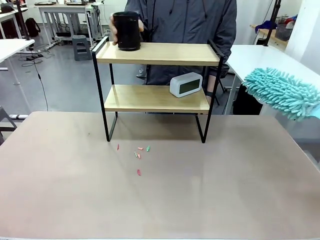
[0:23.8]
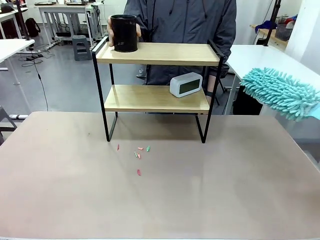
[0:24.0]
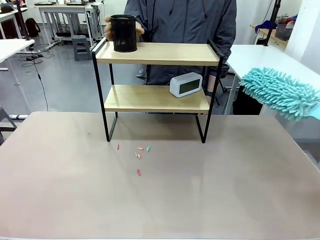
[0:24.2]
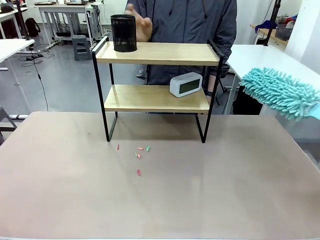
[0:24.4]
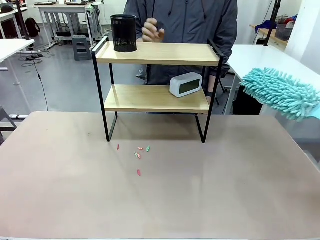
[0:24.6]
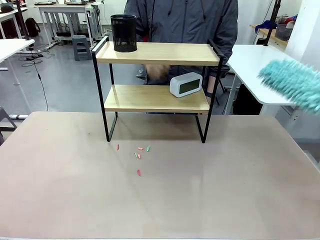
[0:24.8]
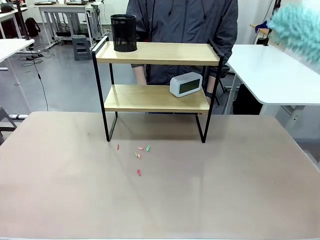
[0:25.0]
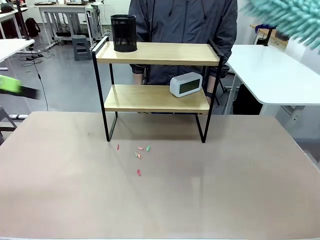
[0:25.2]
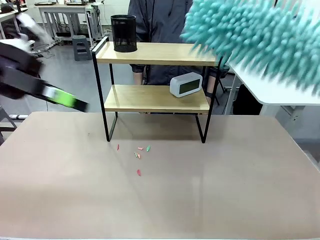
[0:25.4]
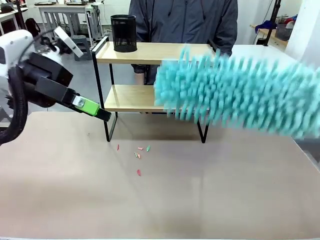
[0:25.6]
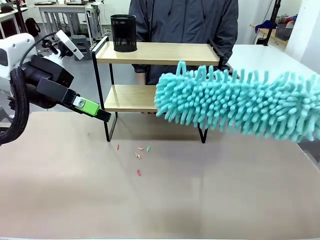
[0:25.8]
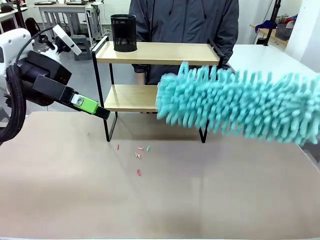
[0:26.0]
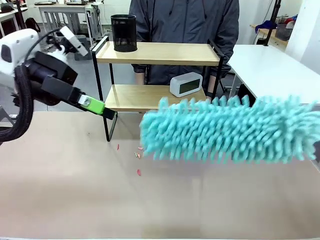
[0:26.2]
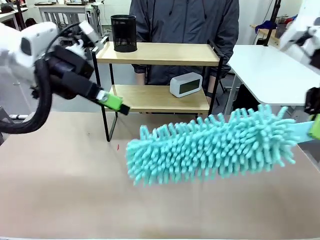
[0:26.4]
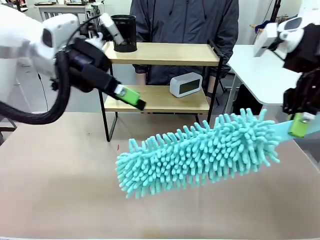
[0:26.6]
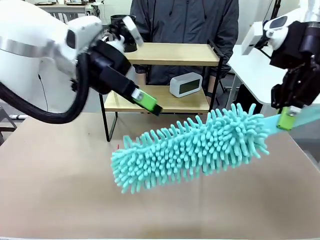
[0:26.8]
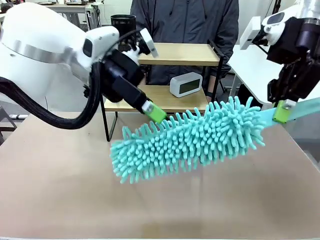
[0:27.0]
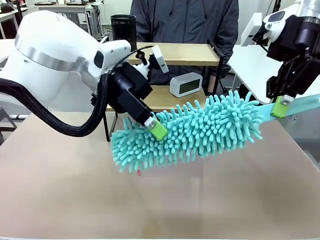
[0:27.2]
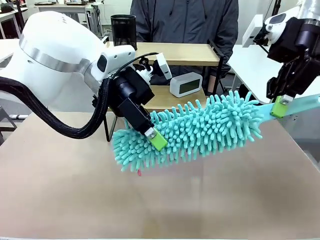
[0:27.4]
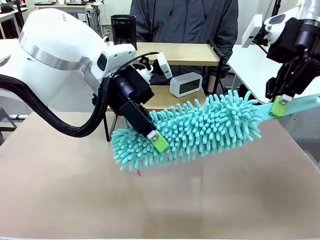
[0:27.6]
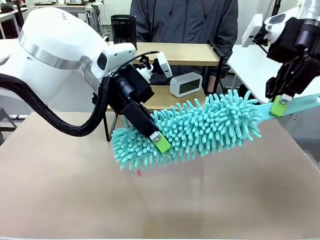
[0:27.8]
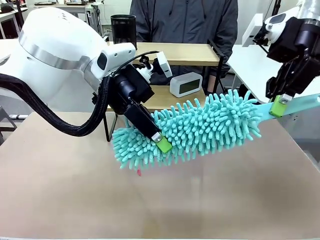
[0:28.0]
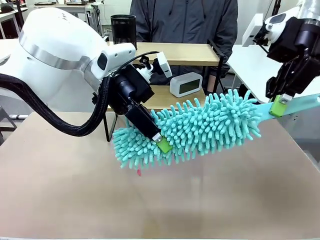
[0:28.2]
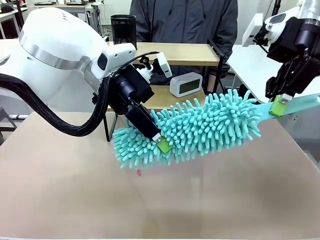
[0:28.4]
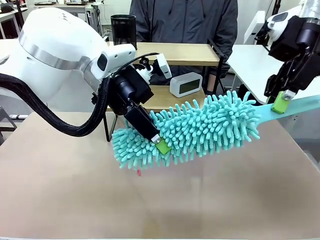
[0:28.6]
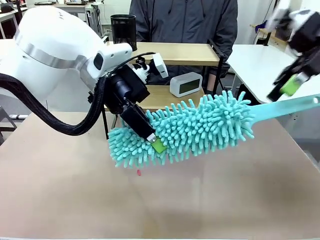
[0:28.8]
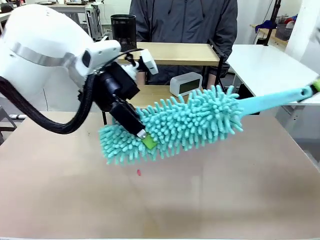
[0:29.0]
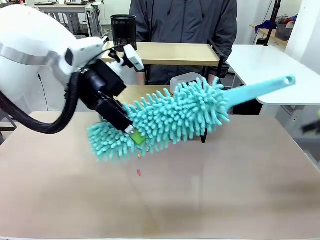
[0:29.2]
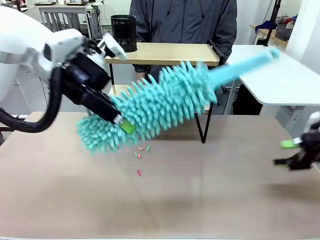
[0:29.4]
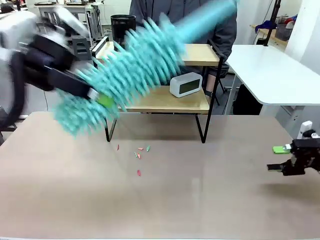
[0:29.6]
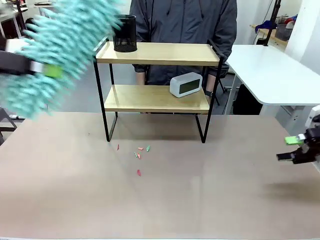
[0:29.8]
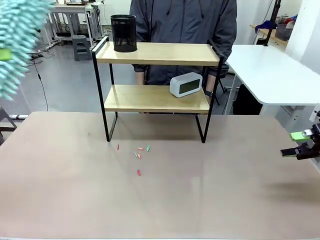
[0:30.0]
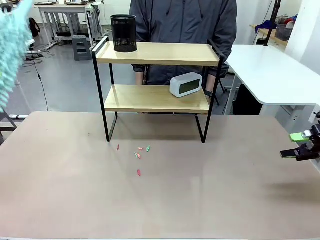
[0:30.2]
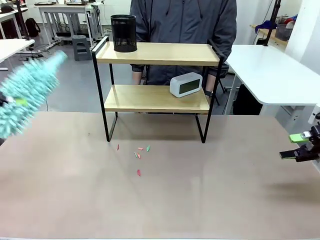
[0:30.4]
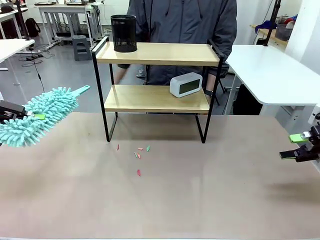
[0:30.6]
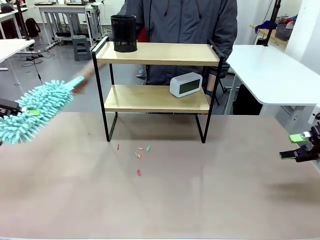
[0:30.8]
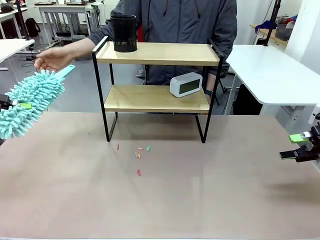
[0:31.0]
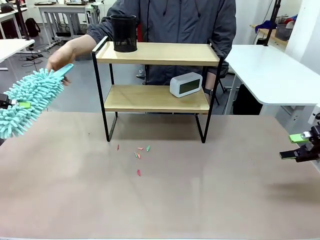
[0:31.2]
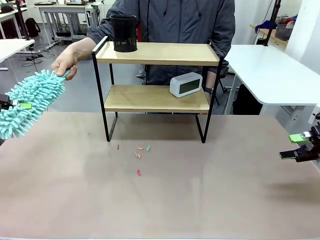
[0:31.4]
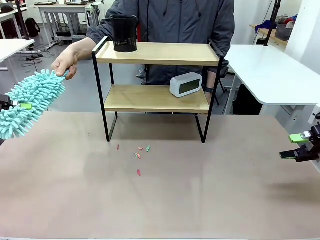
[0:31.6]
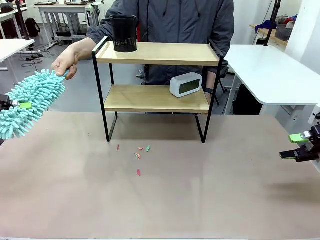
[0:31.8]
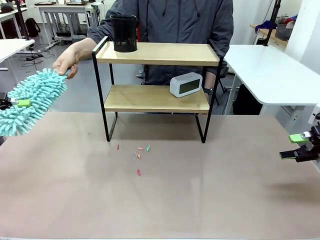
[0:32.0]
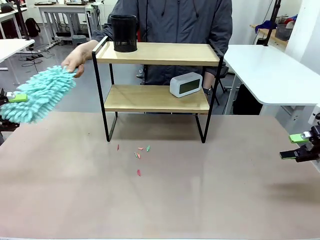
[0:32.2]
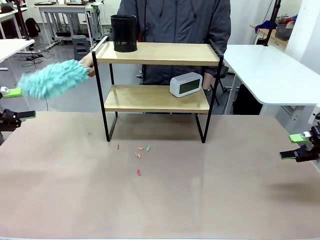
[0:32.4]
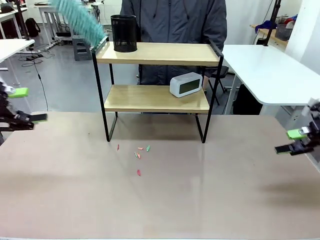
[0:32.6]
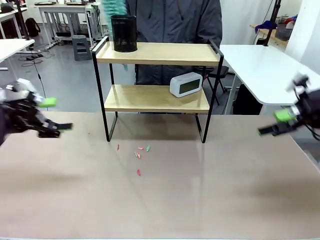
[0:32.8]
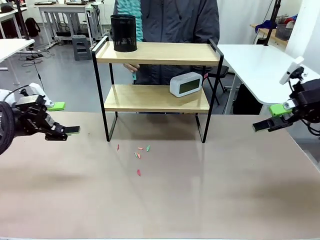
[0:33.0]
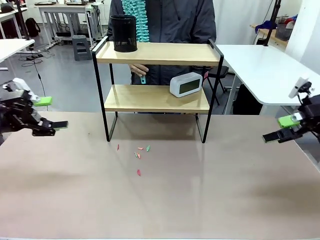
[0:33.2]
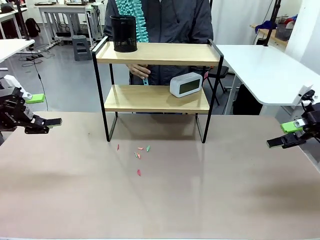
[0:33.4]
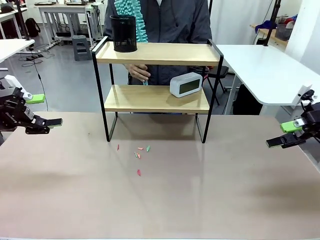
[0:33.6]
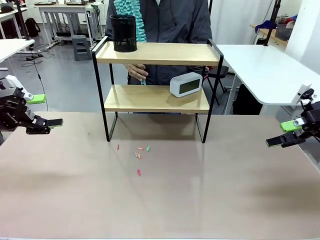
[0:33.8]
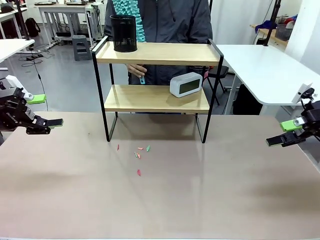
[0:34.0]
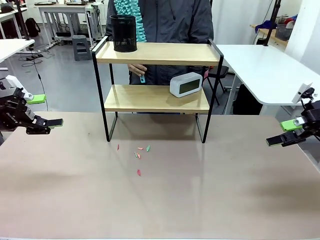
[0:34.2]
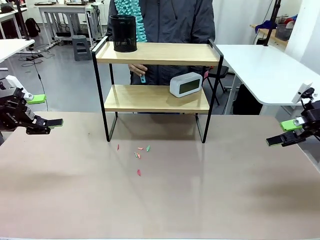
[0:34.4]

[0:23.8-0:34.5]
Task: Clean the shelf.
Robot: Hand the Duster back to the human.
Person: Receive the Duster from the robot.

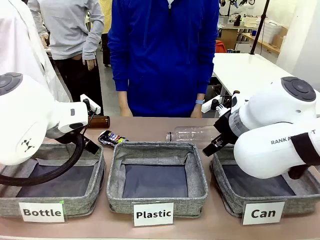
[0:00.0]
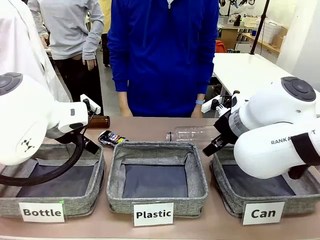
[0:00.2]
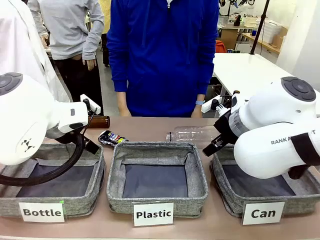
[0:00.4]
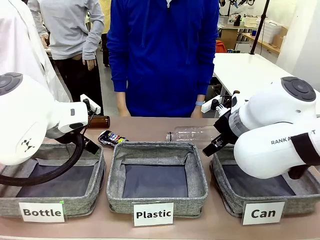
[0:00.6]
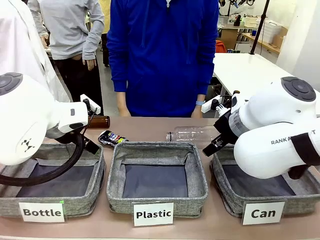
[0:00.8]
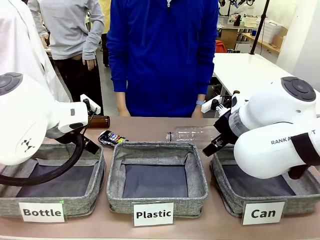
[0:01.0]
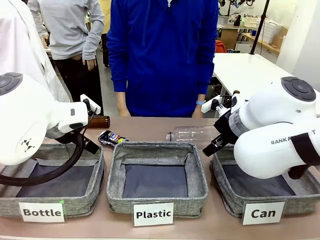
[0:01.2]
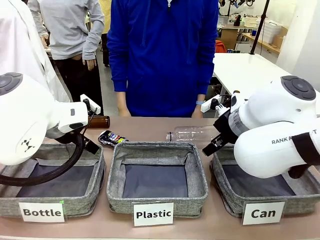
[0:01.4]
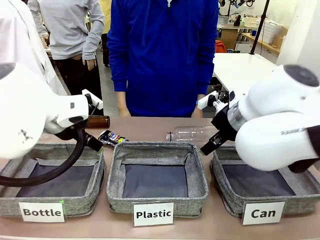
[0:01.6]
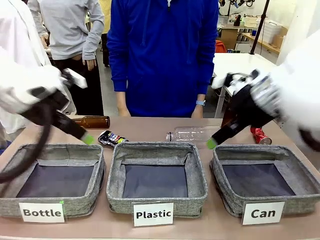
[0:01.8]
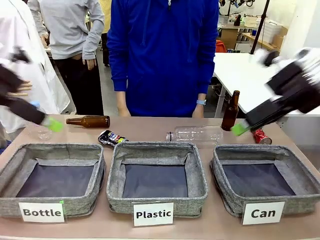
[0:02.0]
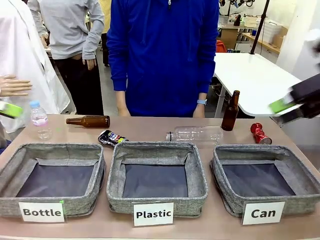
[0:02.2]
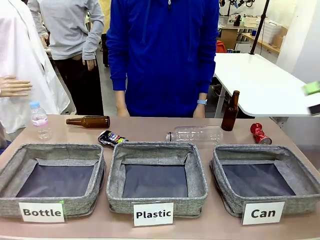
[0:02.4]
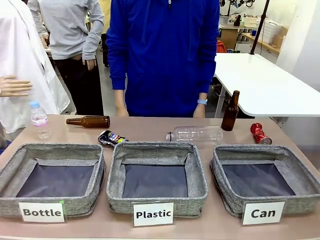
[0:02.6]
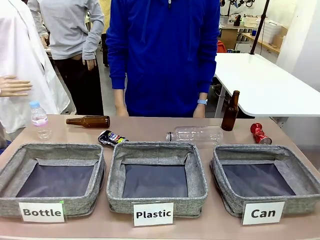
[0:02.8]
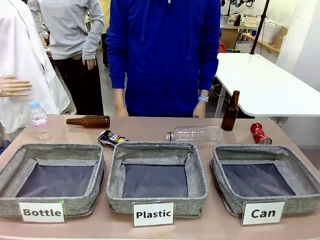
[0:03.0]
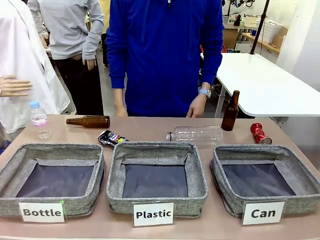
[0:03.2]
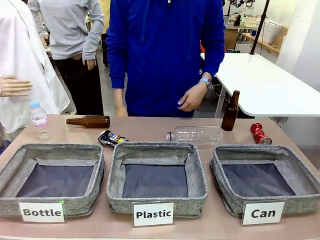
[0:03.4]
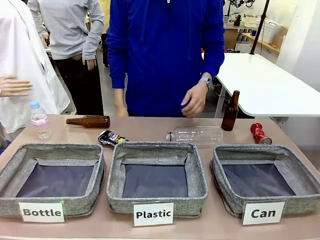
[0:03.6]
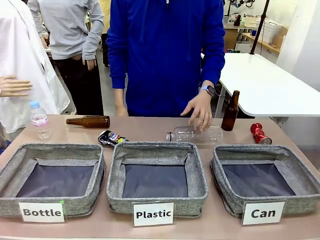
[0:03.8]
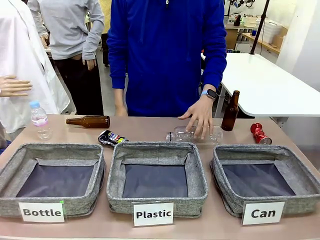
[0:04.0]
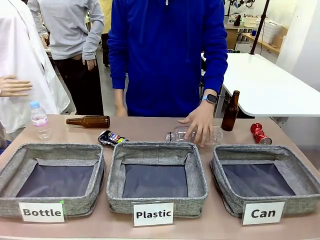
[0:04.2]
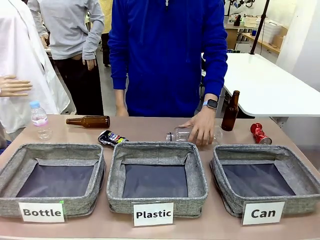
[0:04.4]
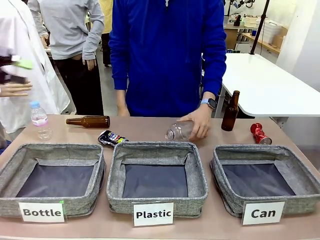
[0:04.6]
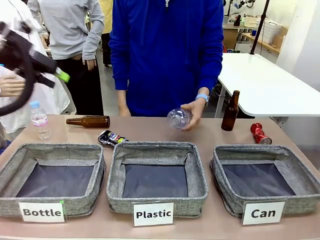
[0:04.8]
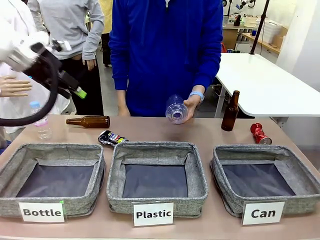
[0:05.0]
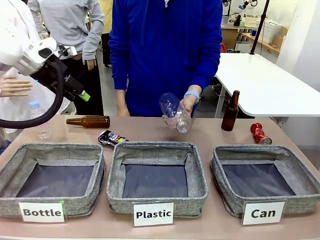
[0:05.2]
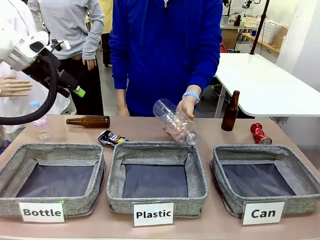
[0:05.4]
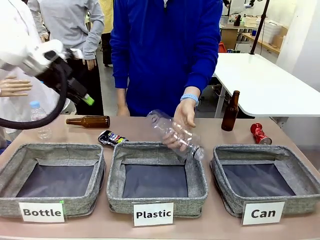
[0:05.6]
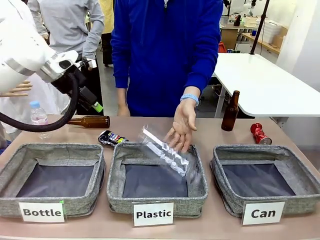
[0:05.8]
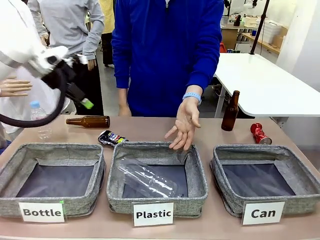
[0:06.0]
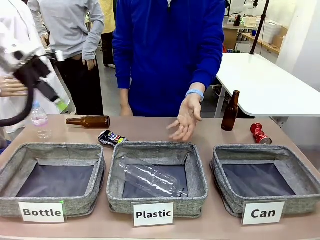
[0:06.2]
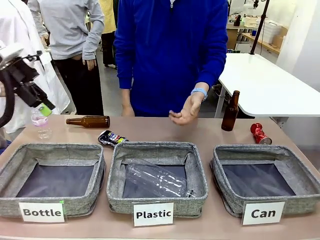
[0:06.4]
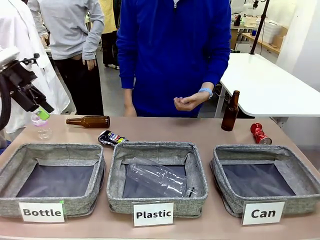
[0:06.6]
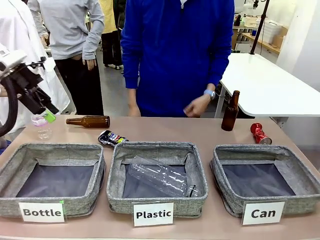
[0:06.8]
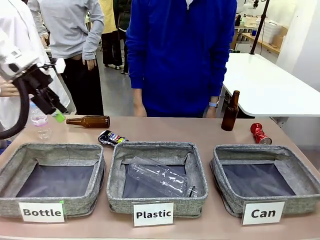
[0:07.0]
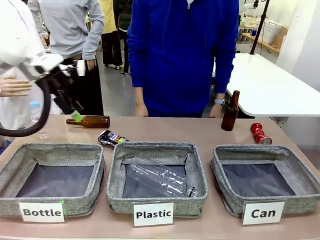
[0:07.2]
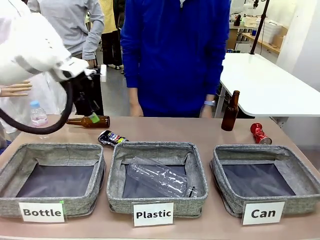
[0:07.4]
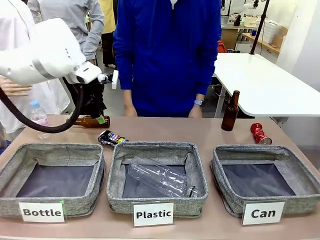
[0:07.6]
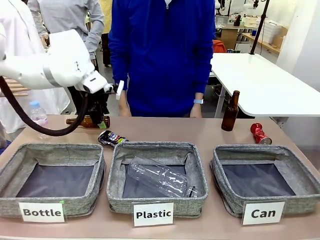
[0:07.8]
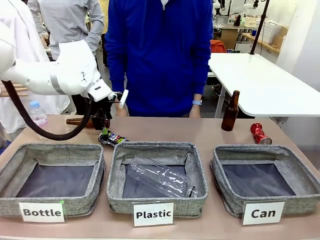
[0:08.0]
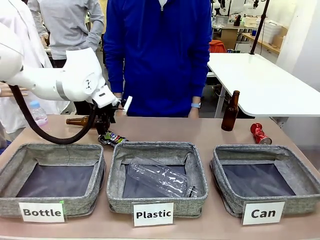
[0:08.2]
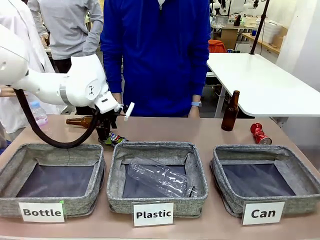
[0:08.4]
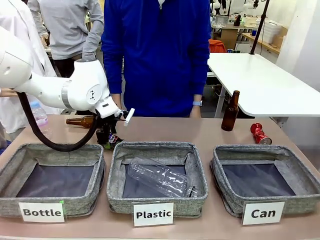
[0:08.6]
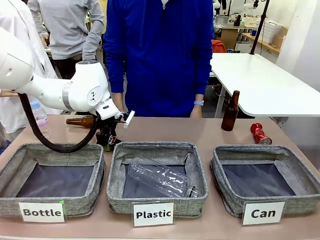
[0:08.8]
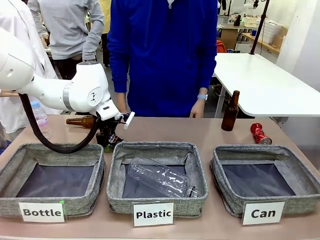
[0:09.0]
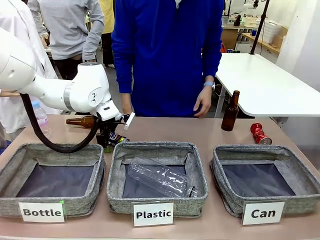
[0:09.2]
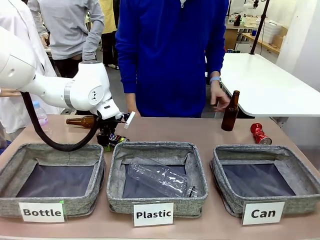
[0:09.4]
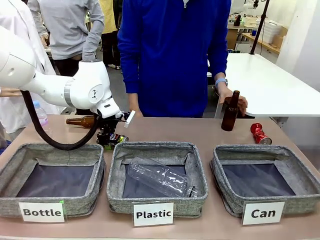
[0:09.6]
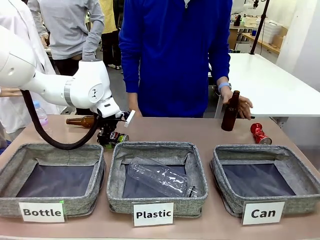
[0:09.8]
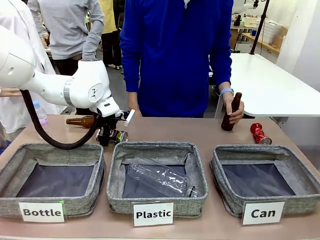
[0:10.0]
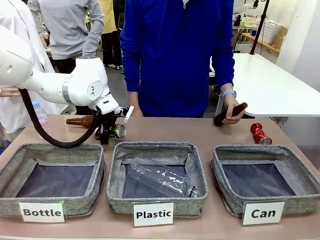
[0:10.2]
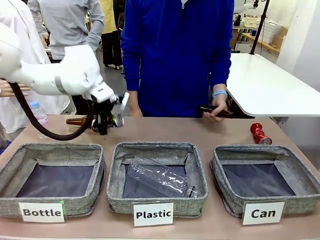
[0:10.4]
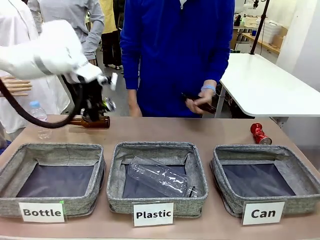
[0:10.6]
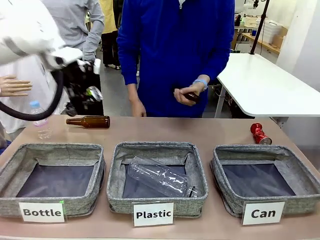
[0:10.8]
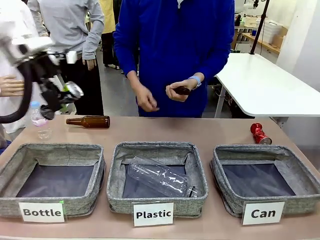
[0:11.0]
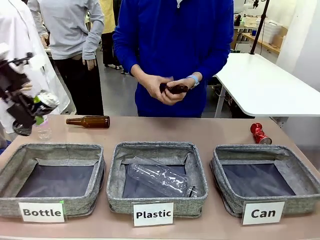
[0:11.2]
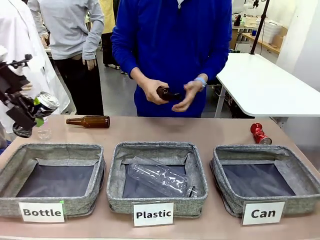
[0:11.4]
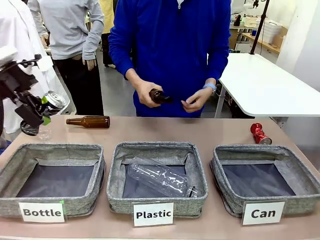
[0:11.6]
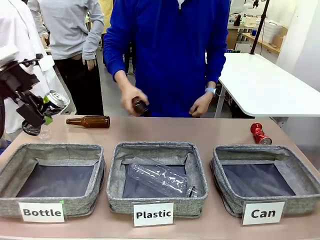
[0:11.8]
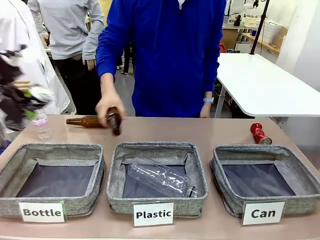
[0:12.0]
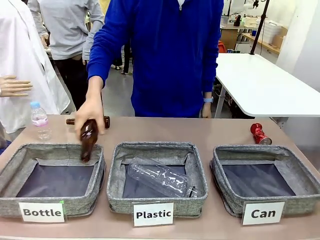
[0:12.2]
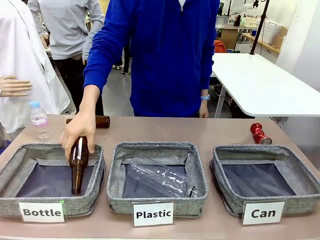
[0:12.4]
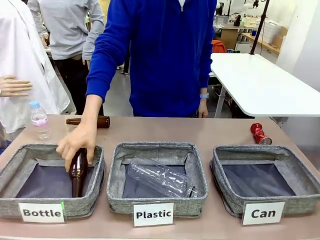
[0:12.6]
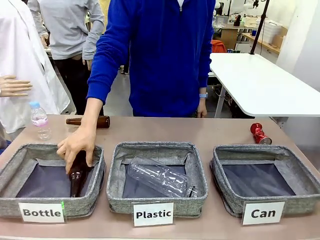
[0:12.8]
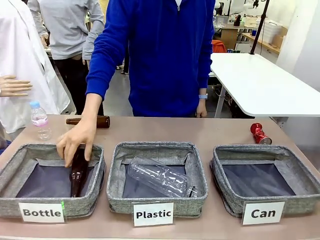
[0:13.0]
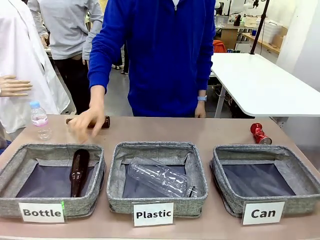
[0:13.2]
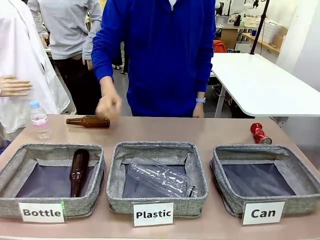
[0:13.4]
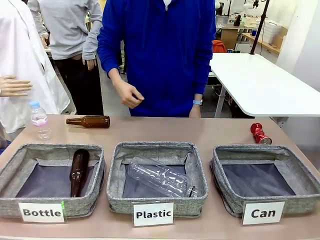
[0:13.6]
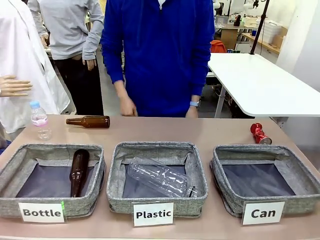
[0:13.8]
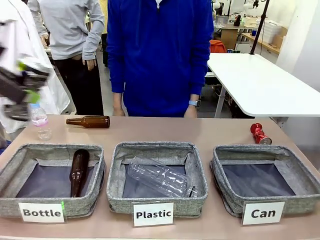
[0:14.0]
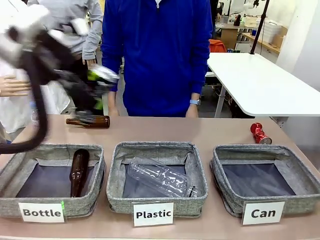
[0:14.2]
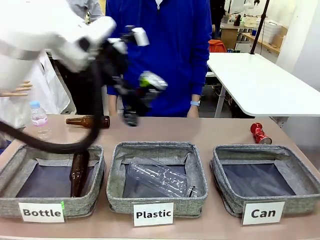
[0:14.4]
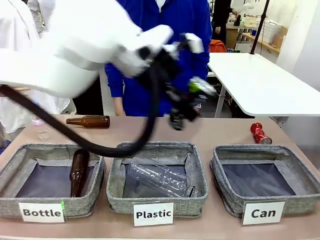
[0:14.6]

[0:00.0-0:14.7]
Task: Sort the can waste into the basket.
Robot: Pick up the can waste from the table and place it in the right Fabric basket.
